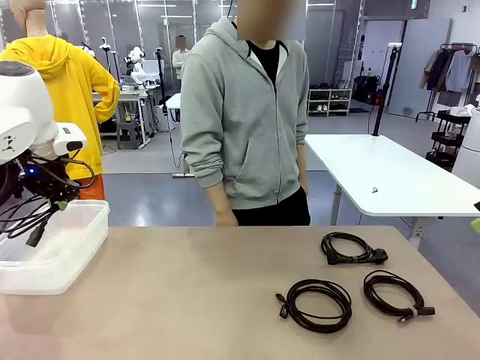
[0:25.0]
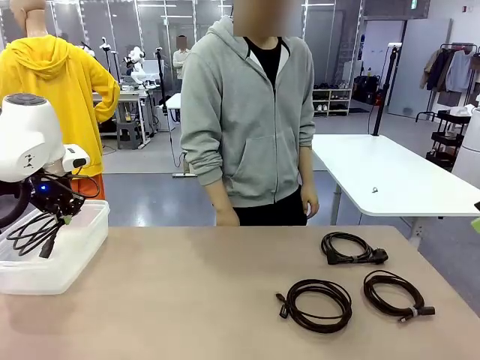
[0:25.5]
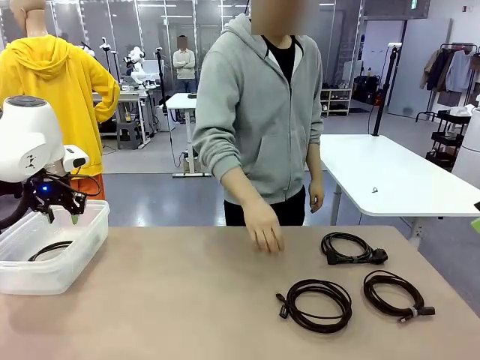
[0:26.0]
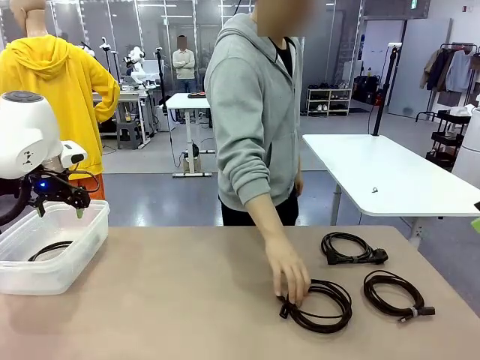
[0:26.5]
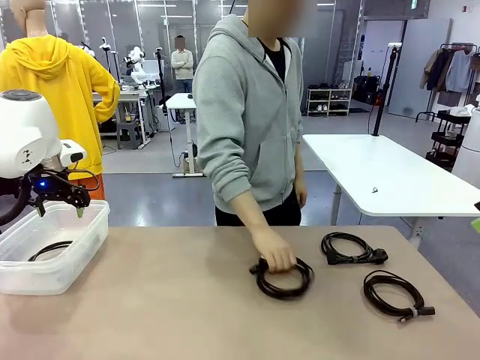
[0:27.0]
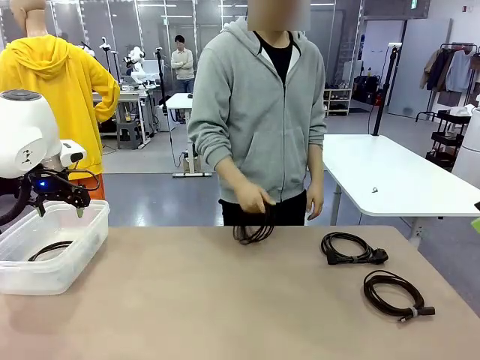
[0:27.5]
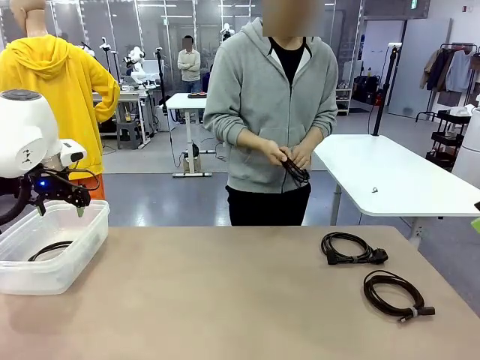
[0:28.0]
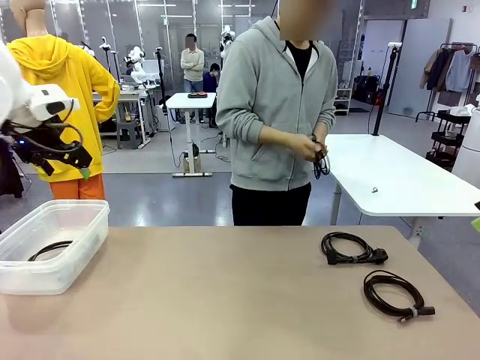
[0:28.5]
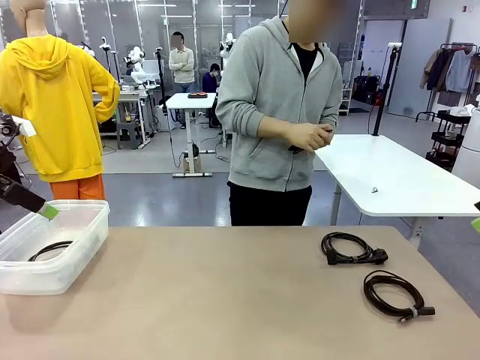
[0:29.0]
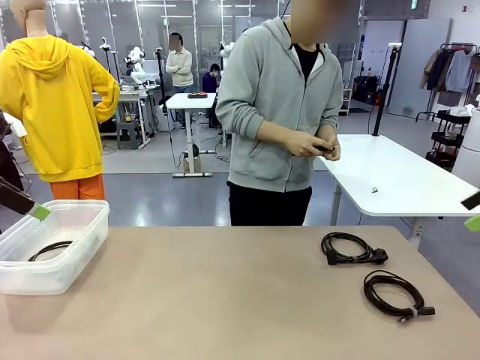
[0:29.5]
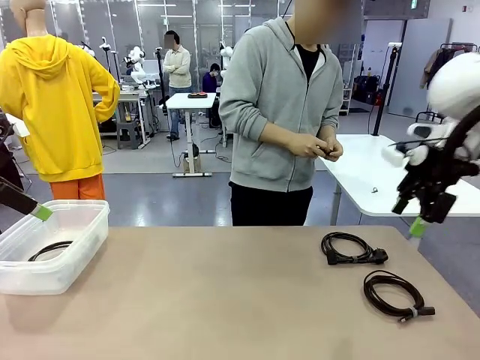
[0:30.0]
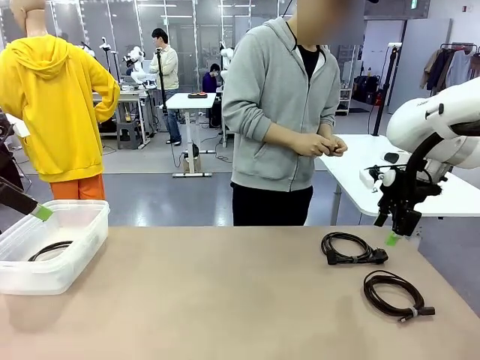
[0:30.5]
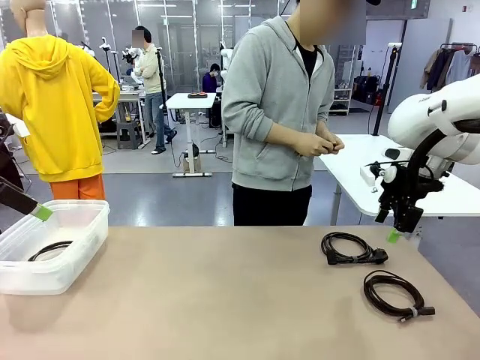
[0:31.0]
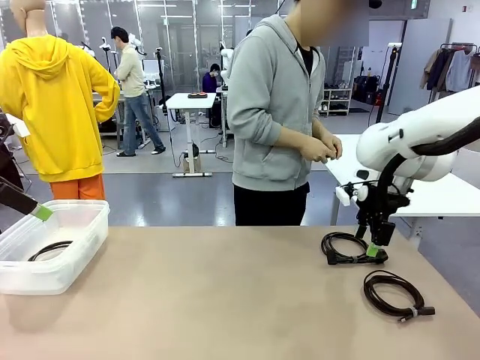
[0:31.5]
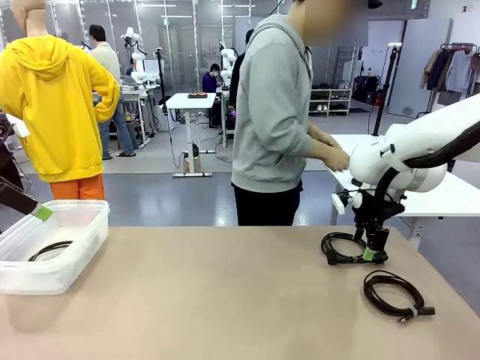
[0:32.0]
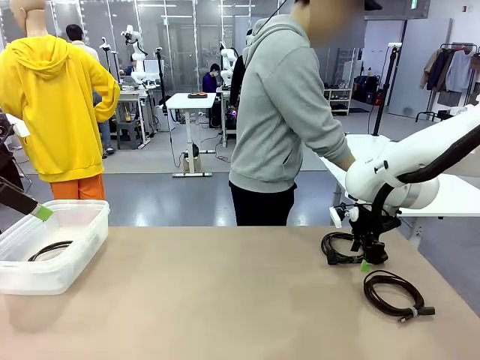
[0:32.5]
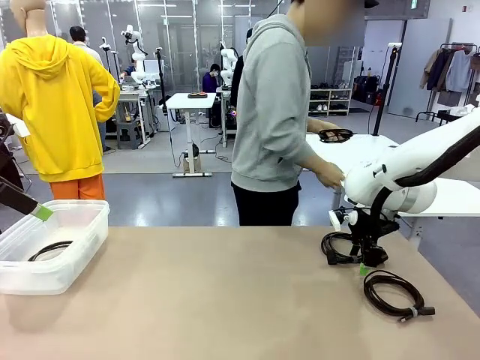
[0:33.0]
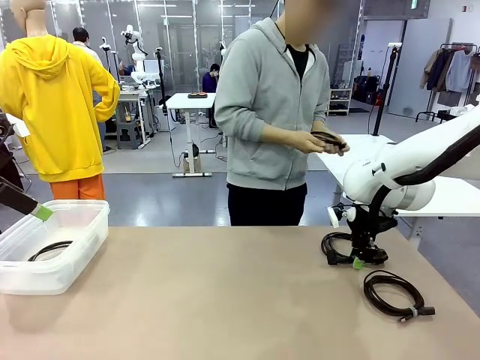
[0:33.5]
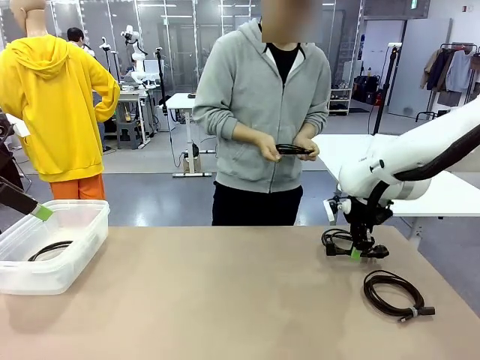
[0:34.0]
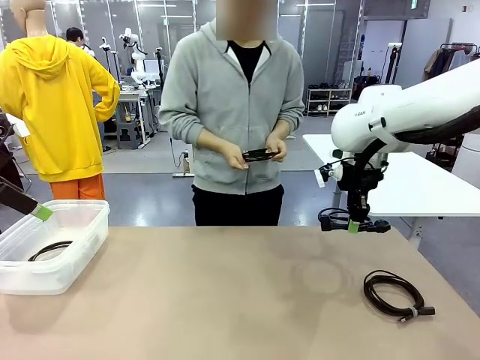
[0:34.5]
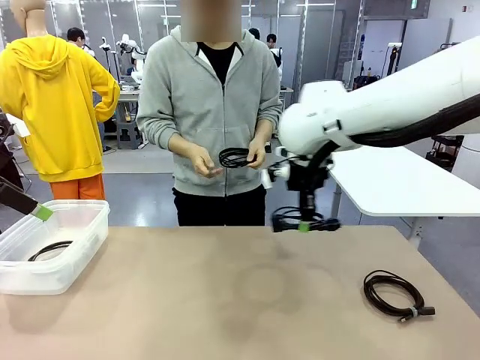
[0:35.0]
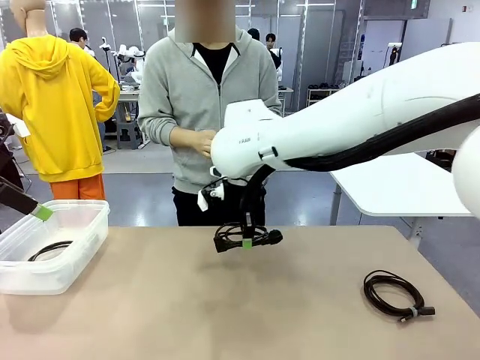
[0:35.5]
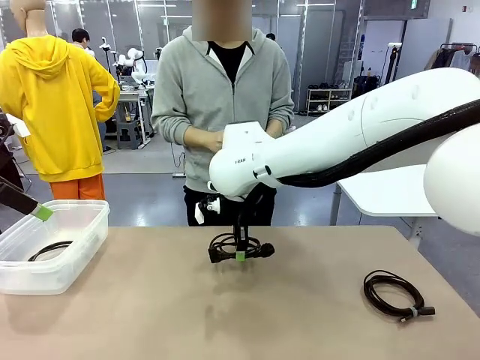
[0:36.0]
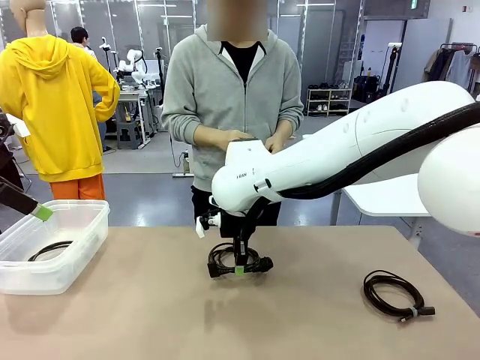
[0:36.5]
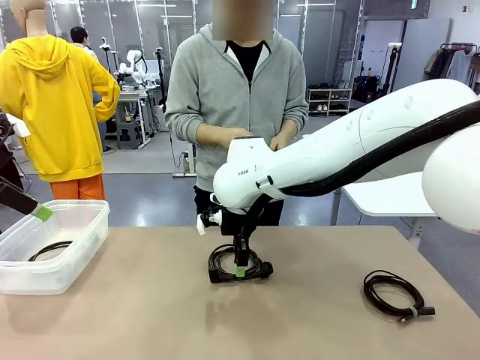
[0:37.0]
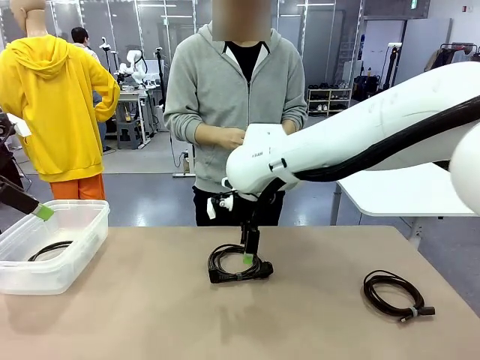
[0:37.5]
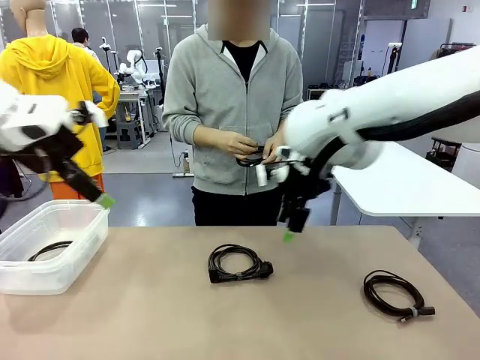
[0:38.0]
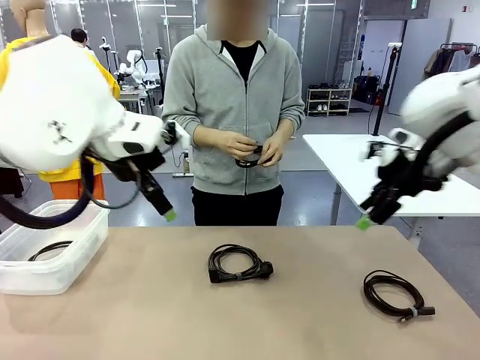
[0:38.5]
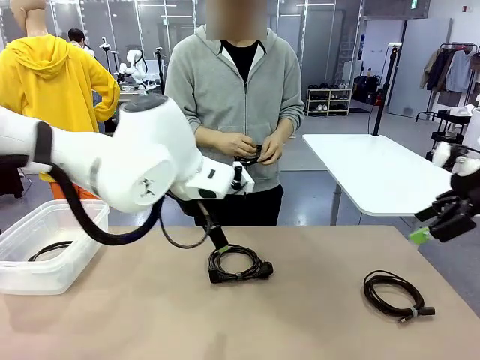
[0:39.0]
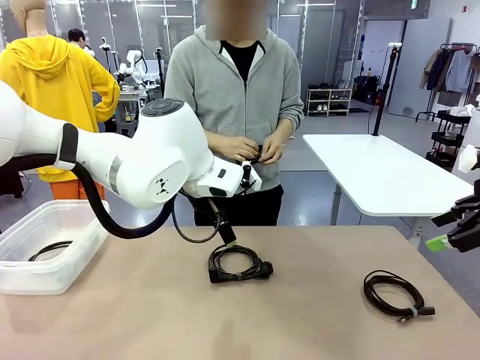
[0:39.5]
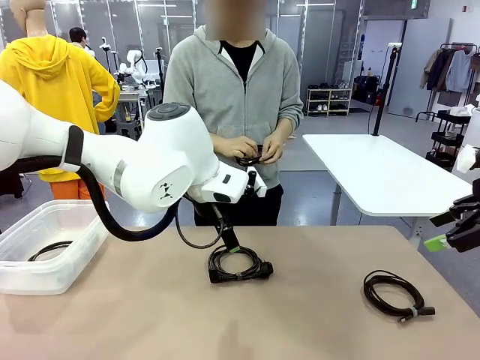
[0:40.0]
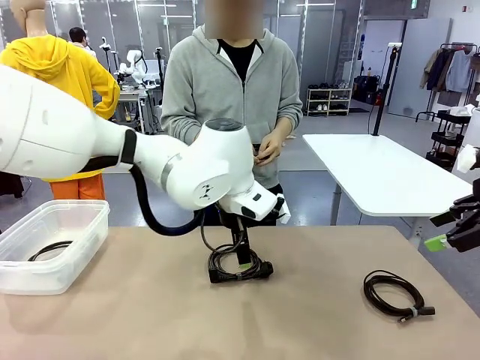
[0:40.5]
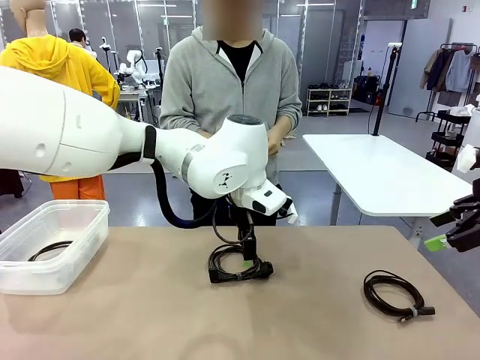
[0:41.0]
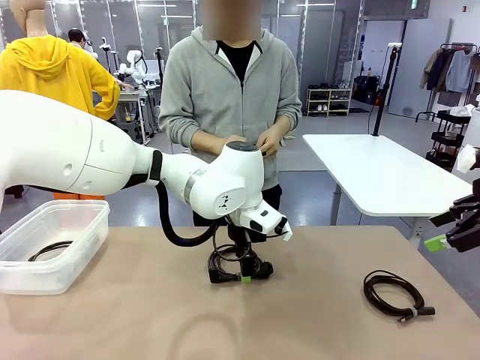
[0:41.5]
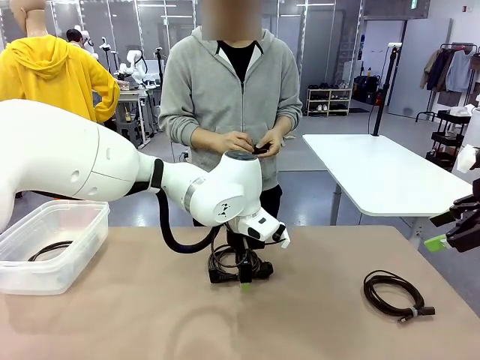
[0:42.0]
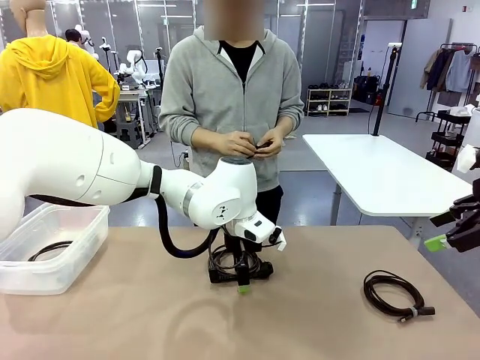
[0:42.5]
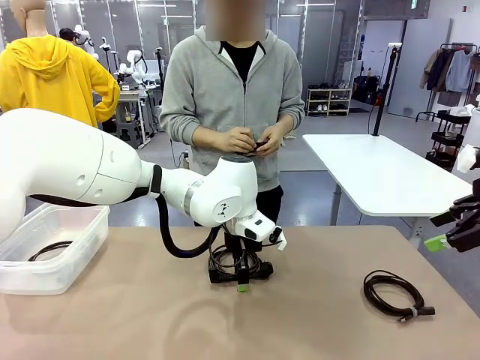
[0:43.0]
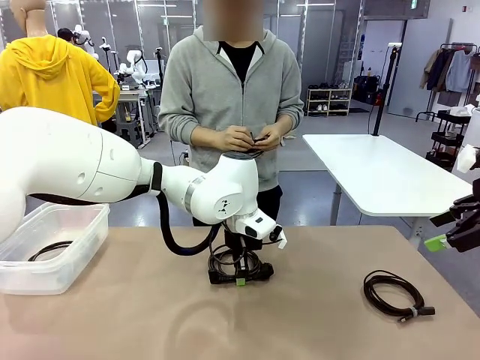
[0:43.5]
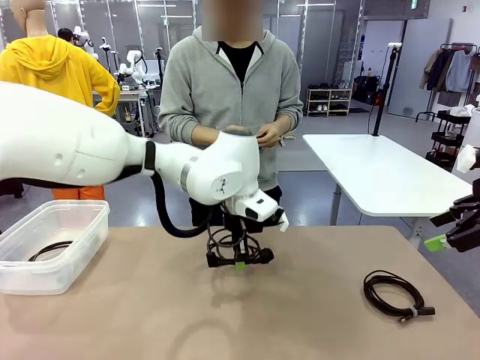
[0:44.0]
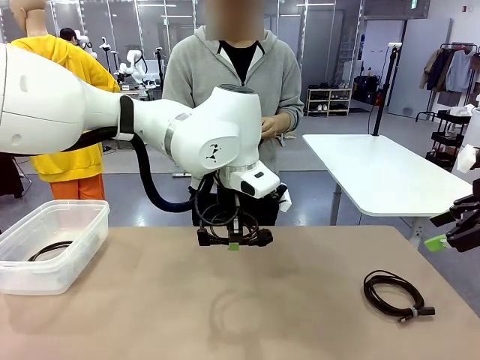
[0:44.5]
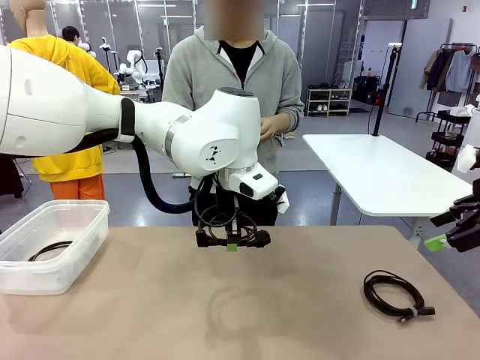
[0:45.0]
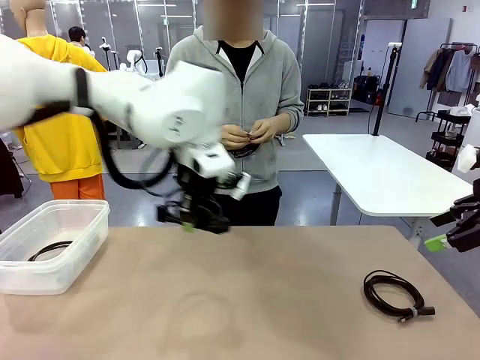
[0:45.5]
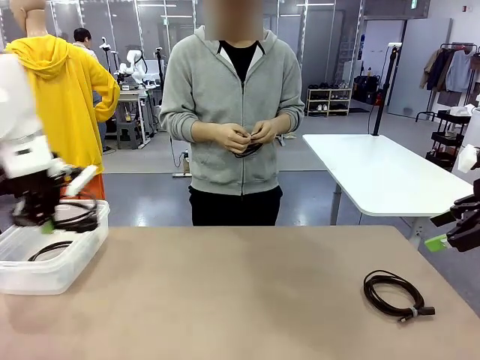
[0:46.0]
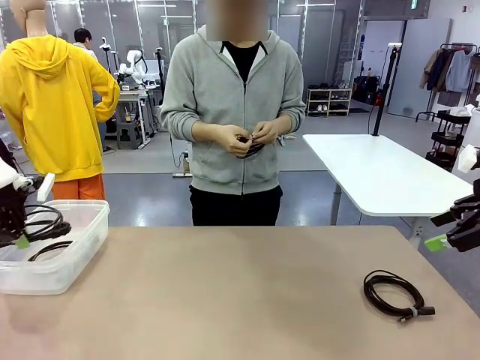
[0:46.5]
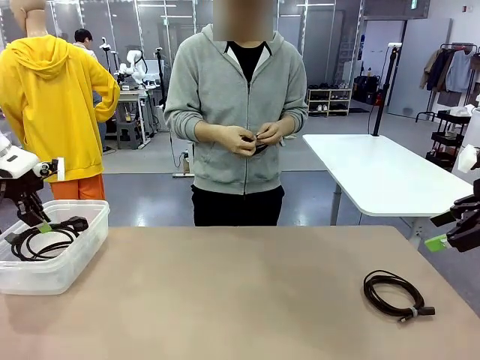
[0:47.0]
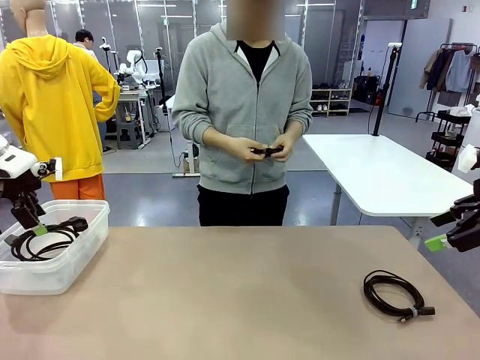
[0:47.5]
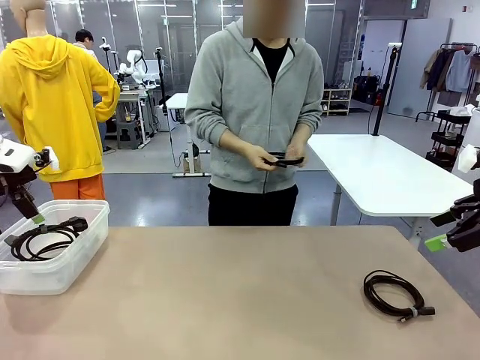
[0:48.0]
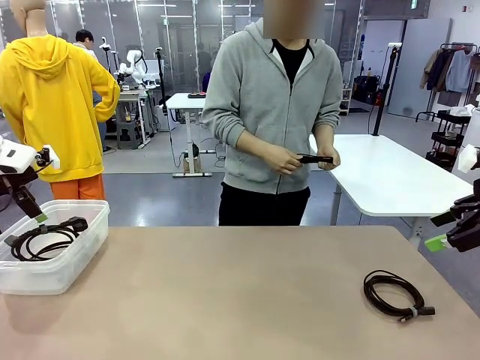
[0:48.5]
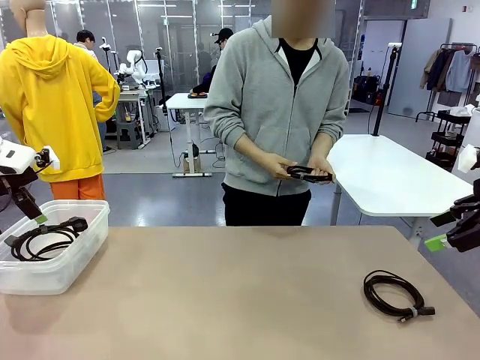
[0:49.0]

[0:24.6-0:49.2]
Task: Organize and store the cables.
Robot: Place the Power Cable into the Organizing box.

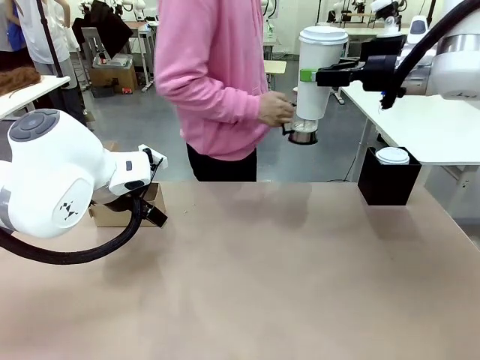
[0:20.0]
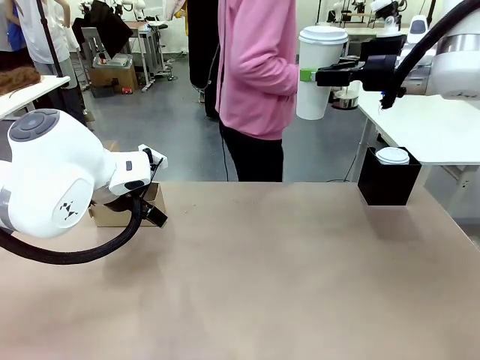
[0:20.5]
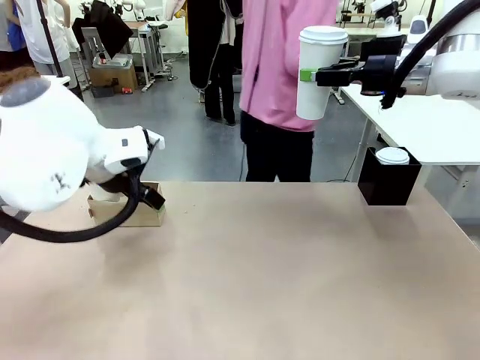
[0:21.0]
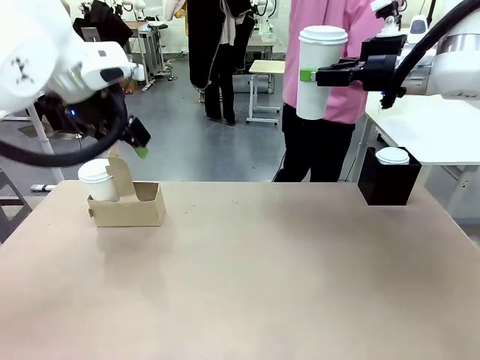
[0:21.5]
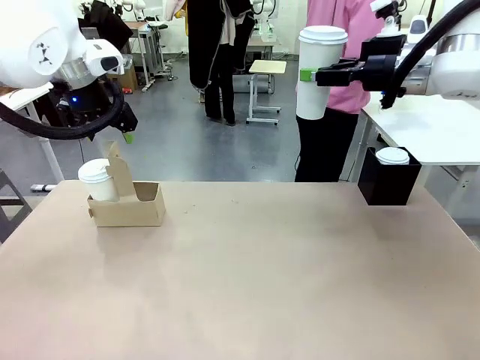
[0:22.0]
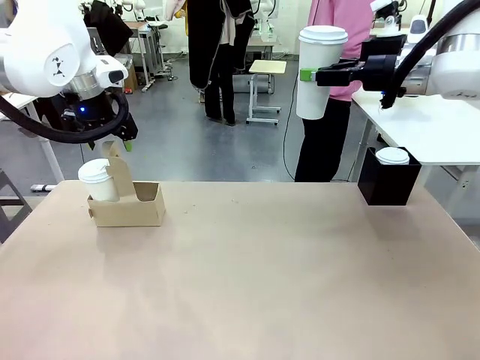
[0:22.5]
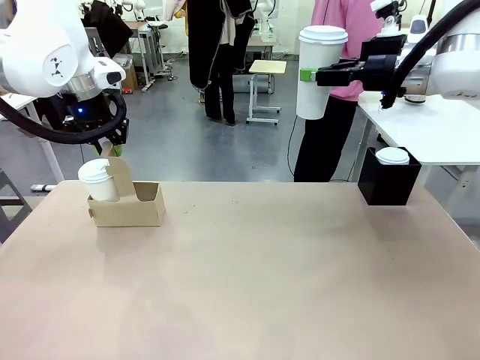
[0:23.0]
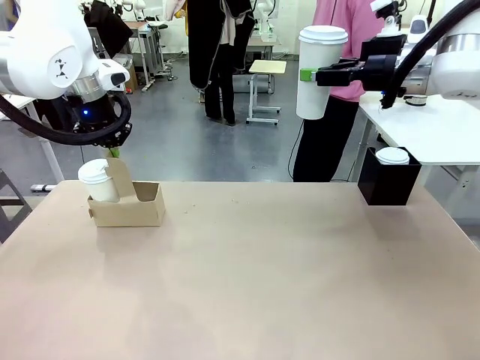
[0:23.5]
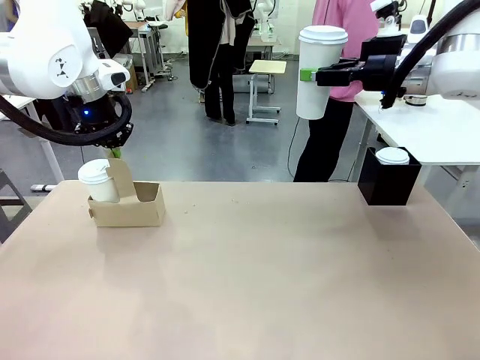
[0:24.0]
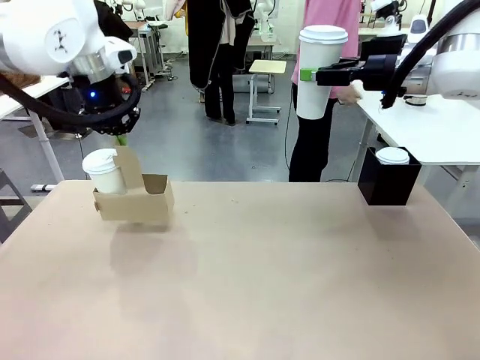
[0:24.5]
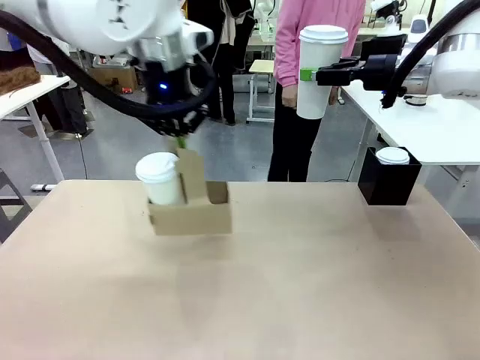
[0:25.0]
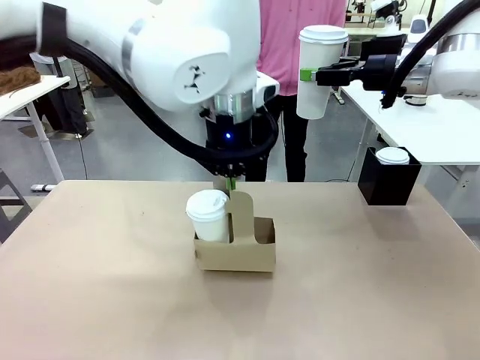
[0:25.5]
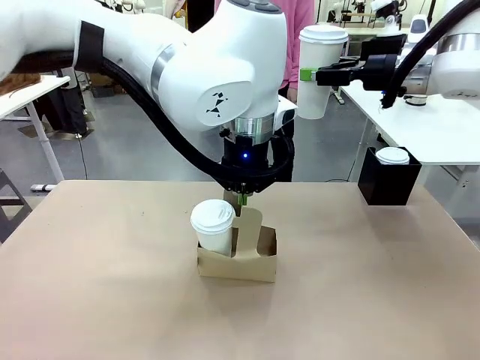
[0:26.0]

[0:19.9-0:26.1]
Task: Pour a drink into a cup and package it in a carrier.
Robot: Position the Cup Carrier in the center of the table.
Person: Pick up the Filter Brewing and place on the middle of Human table, and return to the Robot table.
